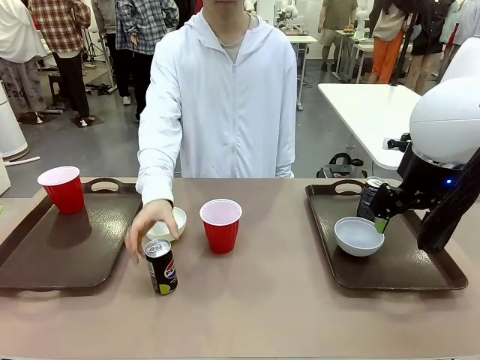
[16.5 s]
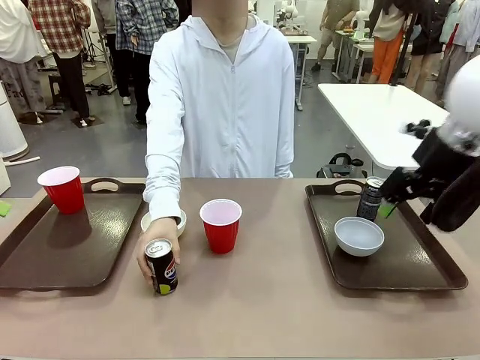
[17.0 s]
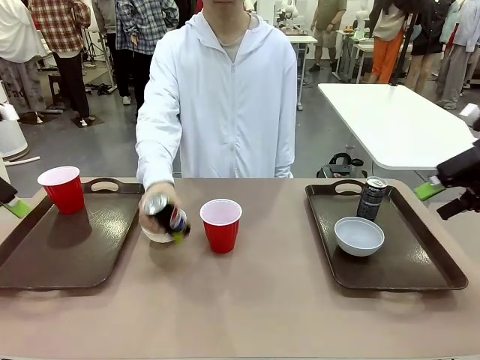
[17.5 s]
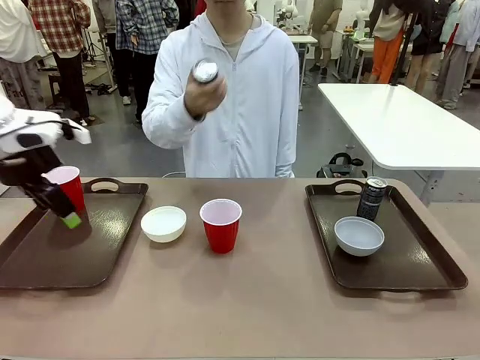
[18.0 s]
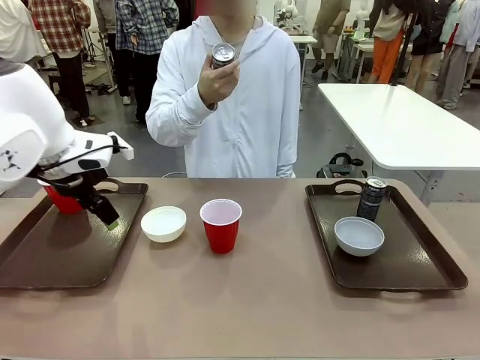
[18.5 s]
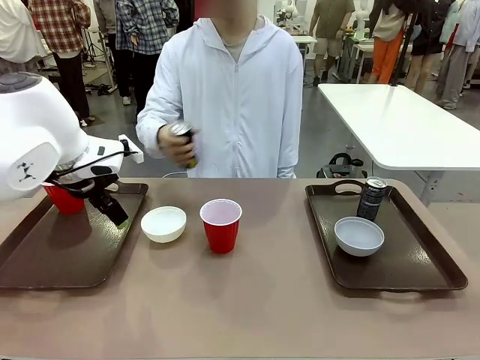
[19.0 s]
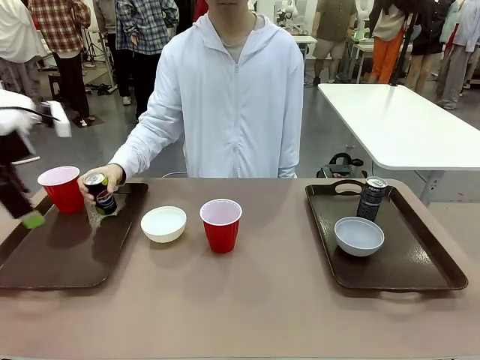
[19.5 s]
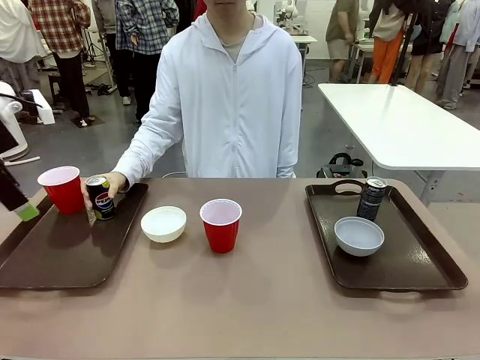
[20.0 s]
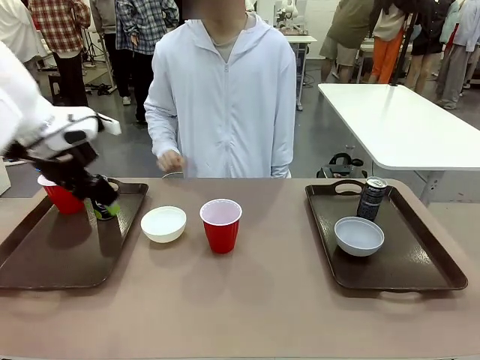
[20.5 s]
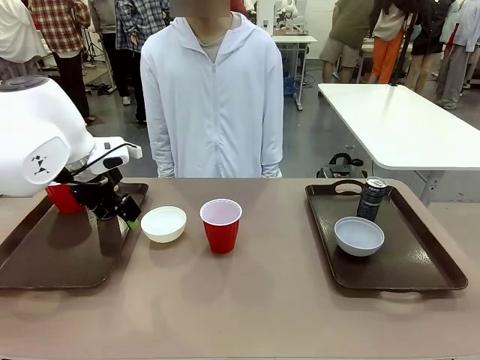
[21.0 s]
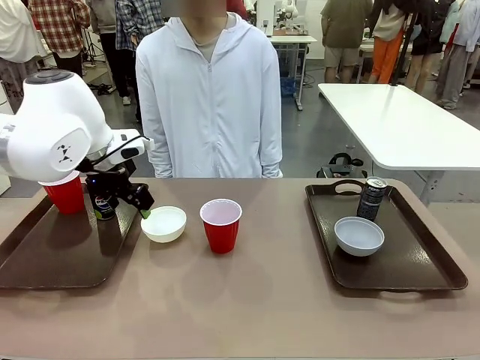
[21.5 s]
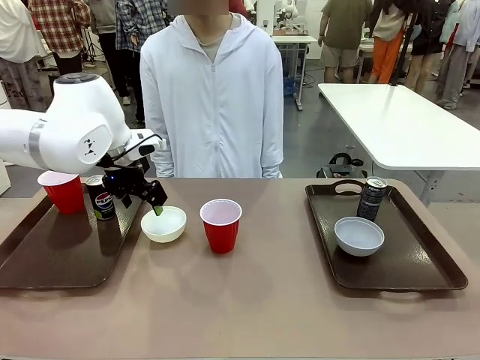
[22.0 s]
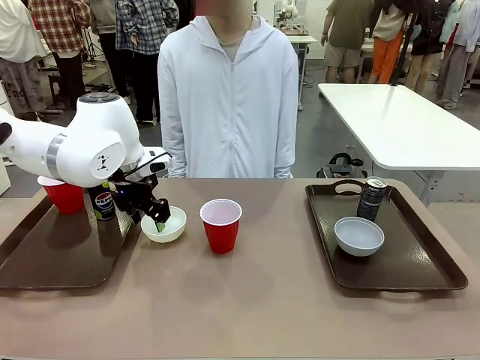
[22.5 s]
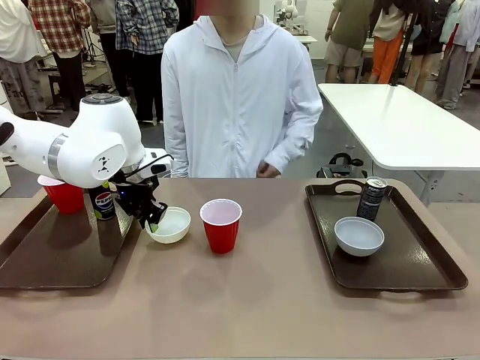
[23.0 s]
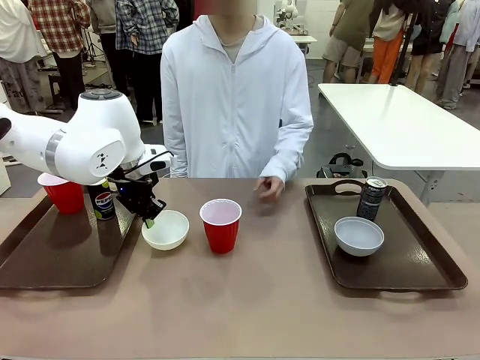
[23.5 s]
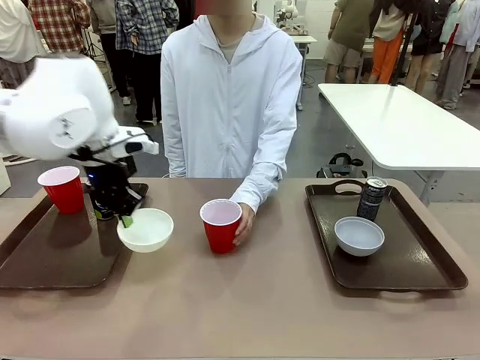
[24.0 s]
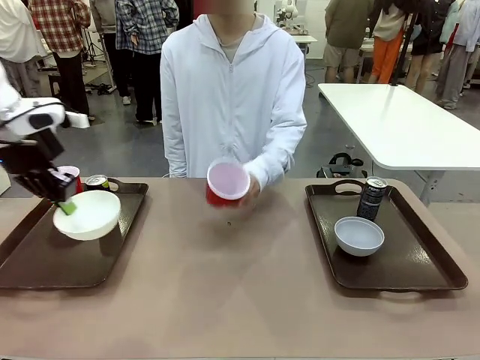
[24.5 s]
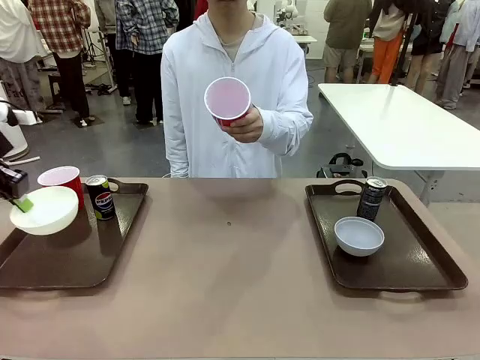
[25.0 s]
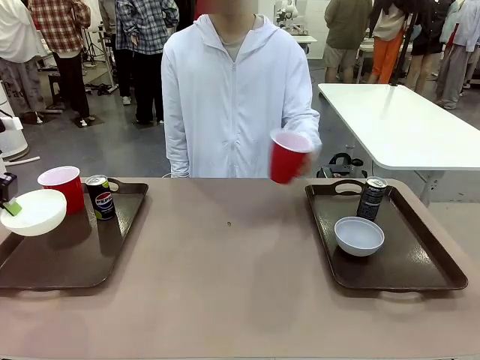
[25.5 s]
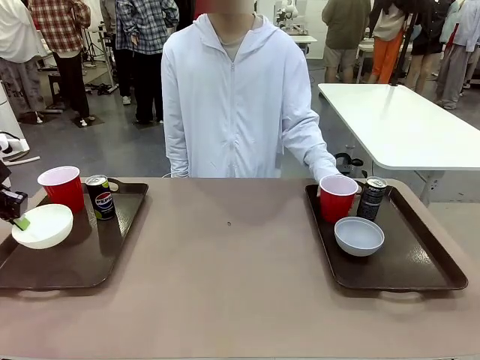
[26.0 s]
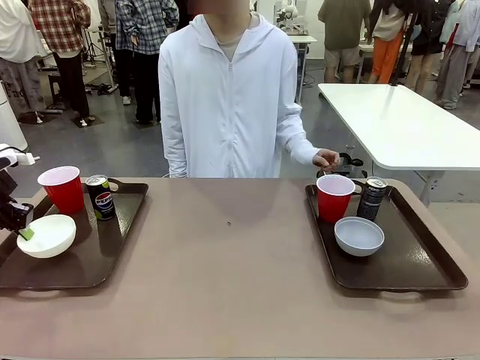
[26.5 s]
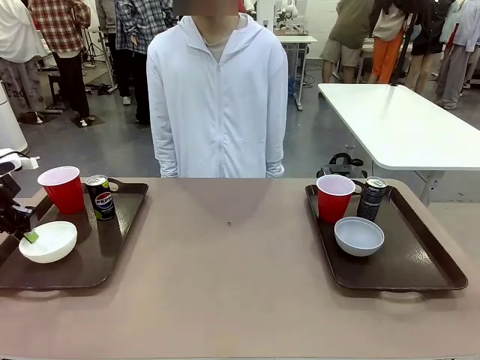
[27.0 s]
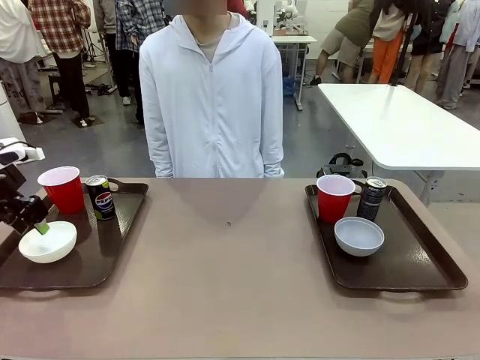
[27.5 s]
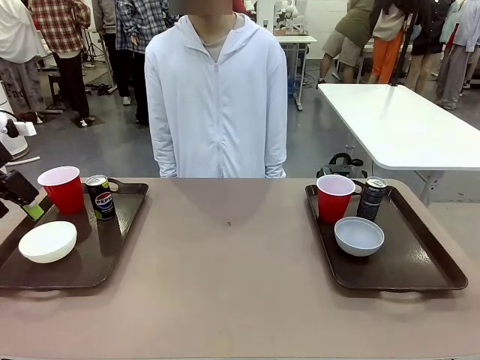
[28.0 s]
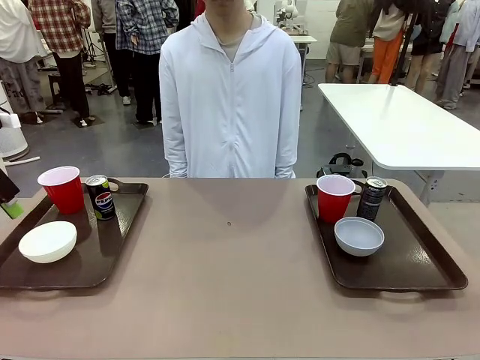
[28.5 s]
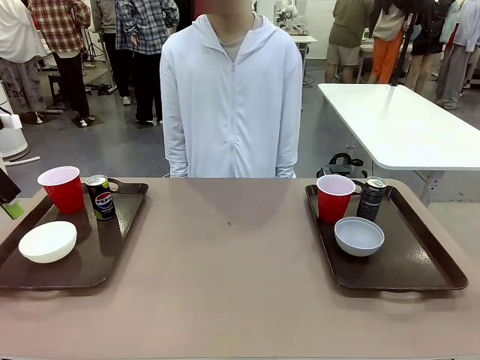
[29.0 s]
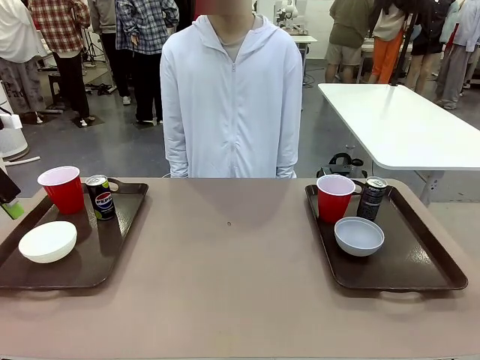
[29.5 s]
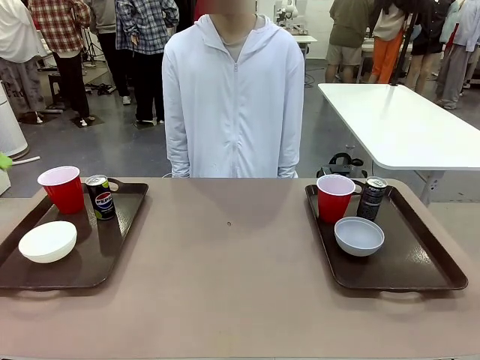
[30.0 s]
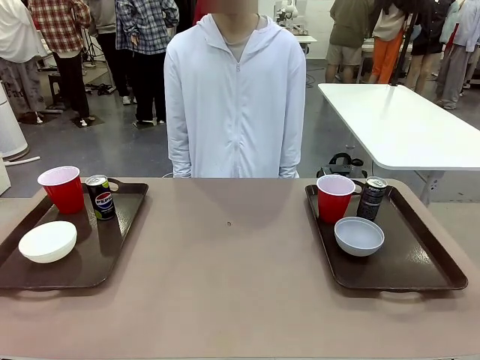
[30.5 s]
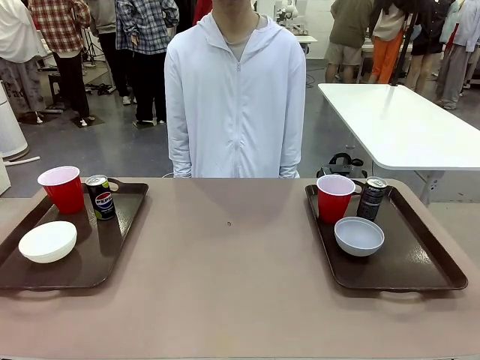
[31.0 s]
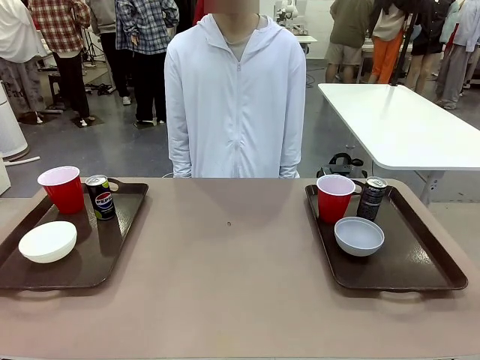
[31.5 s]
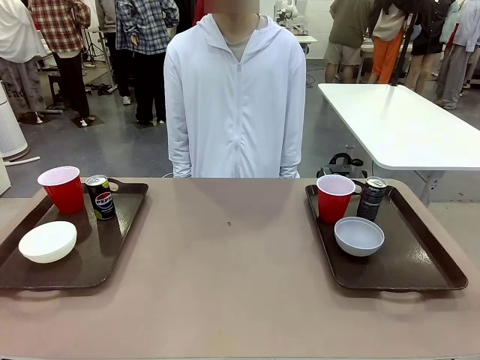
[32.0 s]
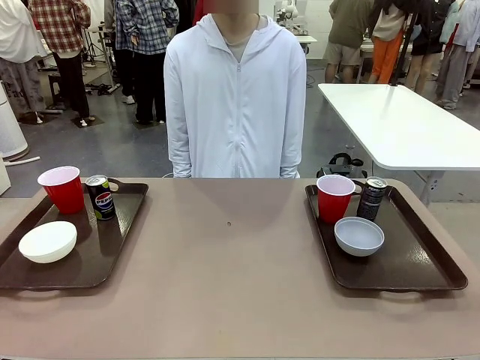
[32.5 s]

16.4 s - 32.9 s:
Task: Prepare tableware on both trays.
Robot: Pick up a Picnic Bowl from the table and place it on a Handle tray.
Person: Pick up a can or cup and place it on the tray without a can or cup.
